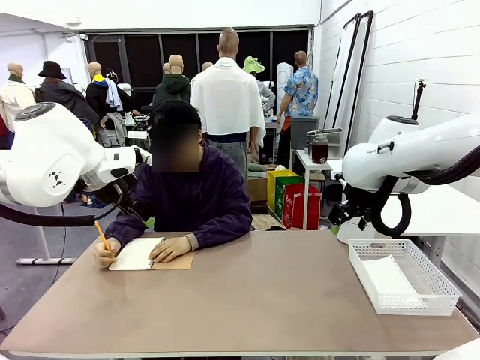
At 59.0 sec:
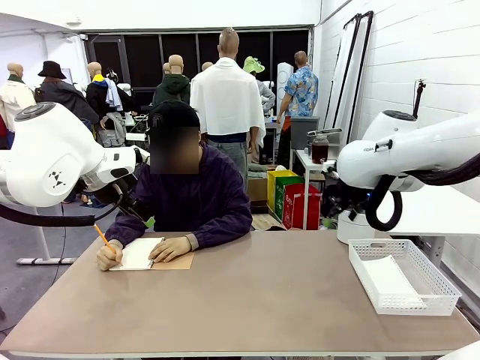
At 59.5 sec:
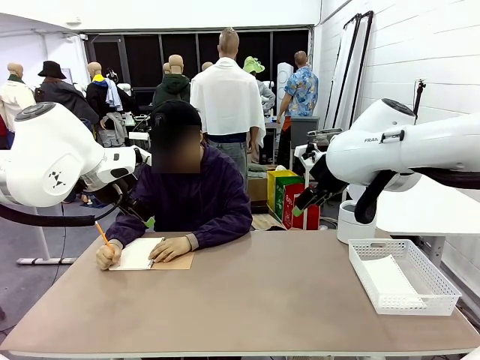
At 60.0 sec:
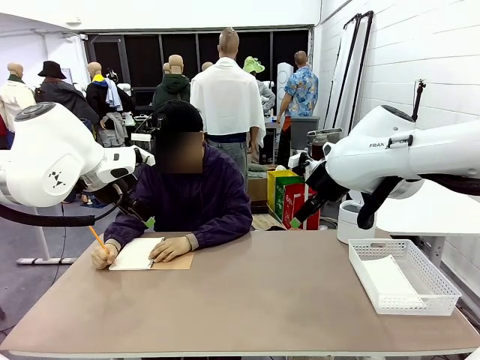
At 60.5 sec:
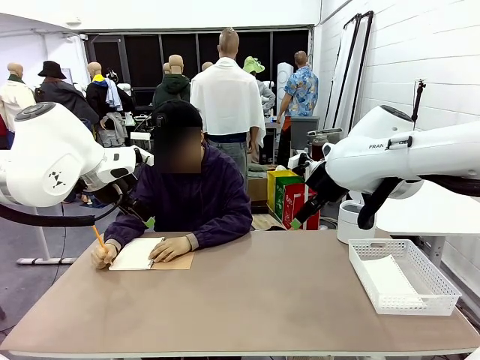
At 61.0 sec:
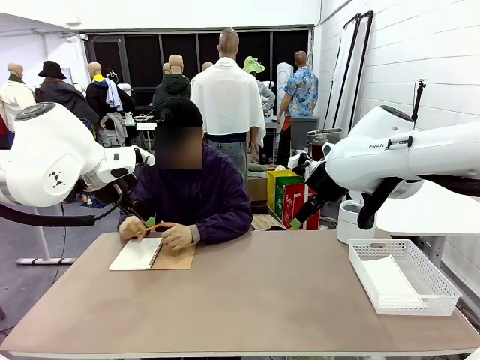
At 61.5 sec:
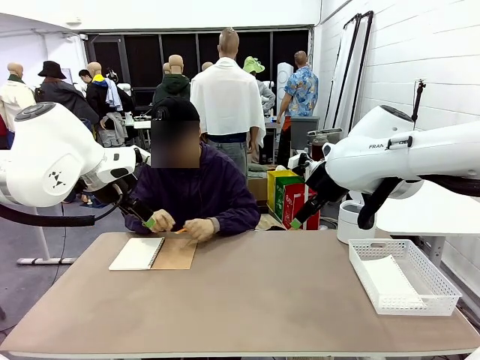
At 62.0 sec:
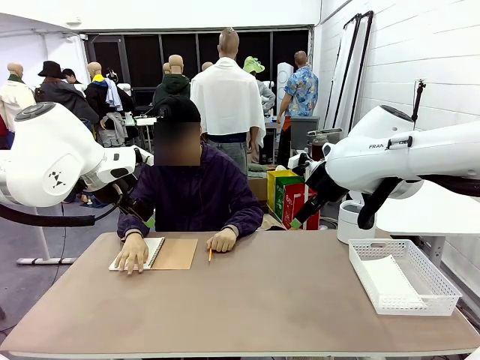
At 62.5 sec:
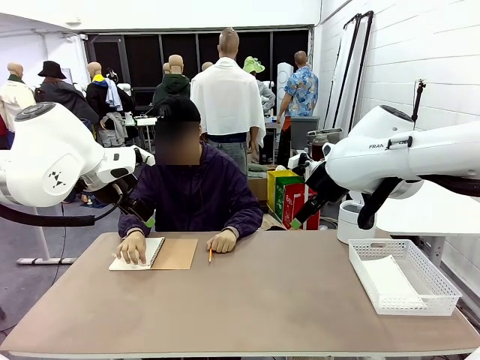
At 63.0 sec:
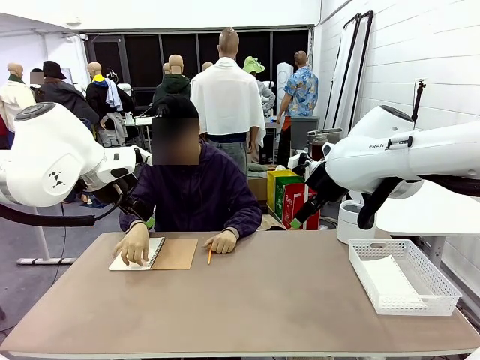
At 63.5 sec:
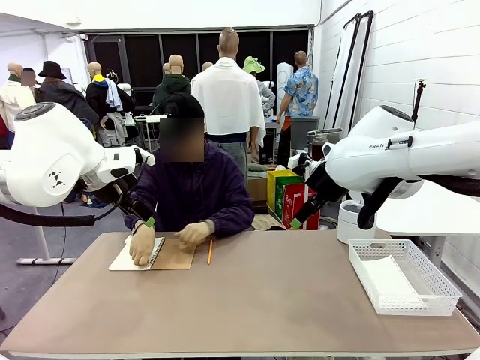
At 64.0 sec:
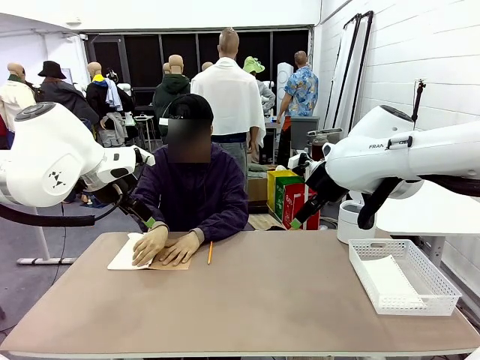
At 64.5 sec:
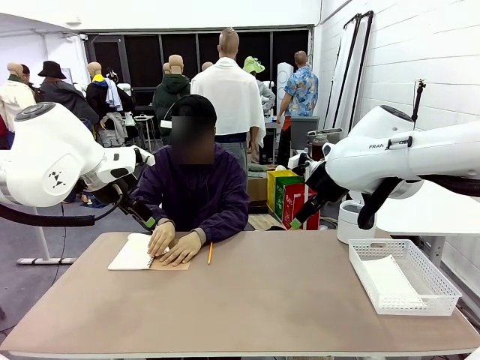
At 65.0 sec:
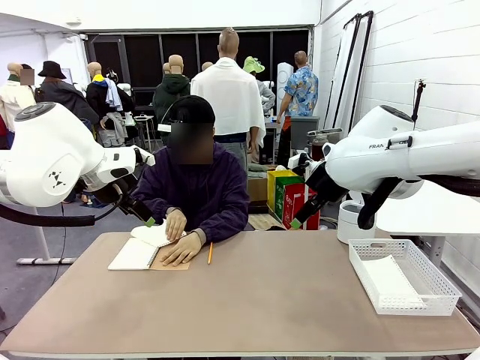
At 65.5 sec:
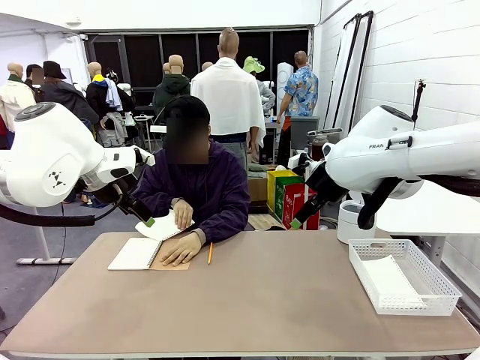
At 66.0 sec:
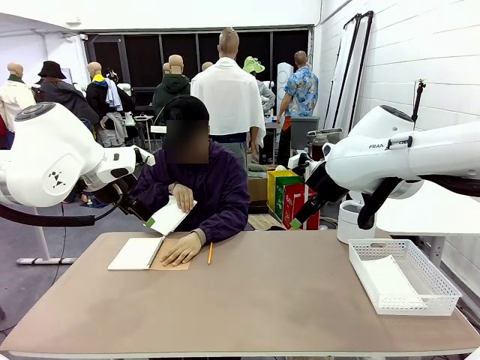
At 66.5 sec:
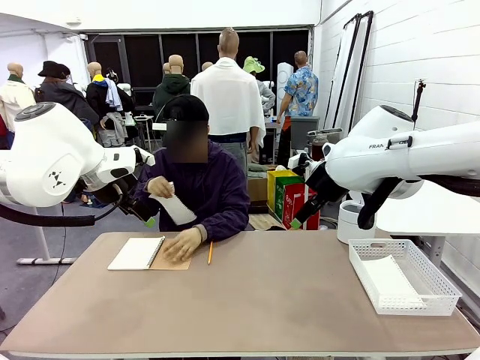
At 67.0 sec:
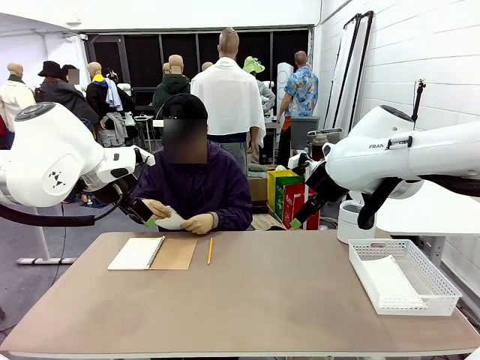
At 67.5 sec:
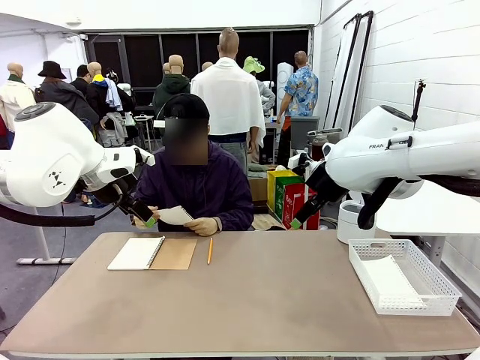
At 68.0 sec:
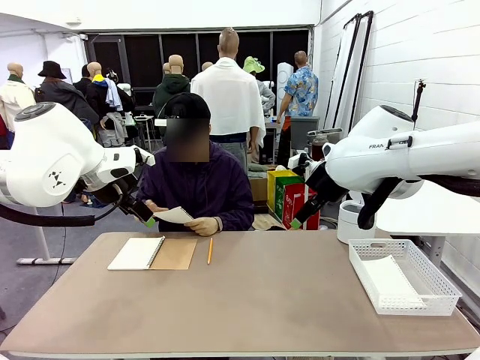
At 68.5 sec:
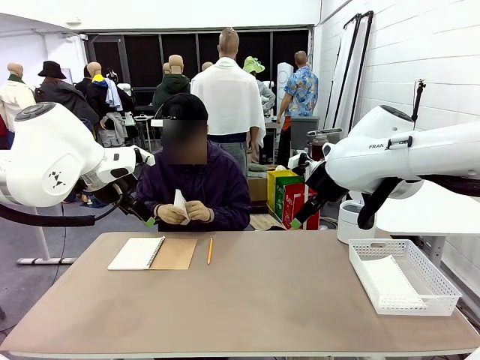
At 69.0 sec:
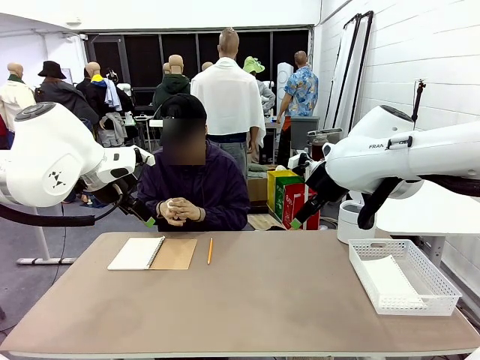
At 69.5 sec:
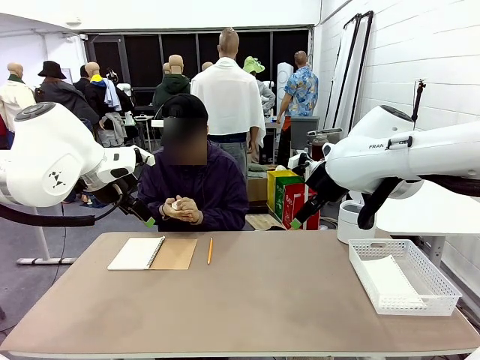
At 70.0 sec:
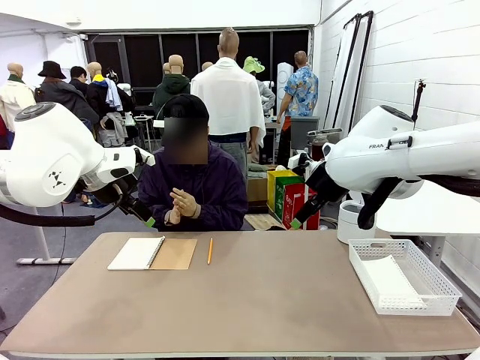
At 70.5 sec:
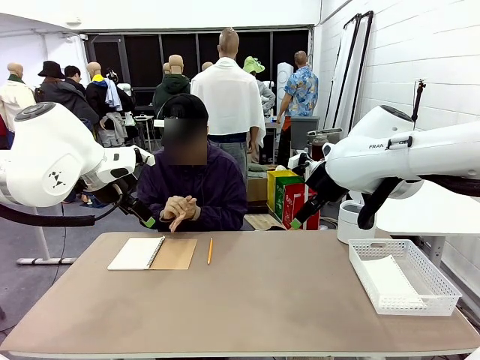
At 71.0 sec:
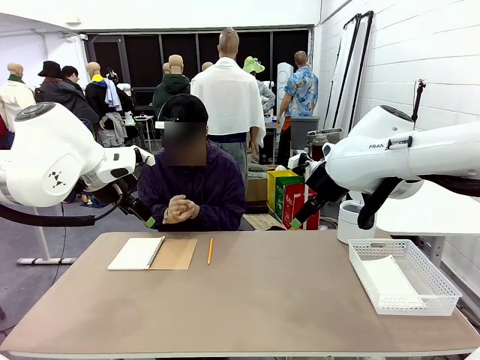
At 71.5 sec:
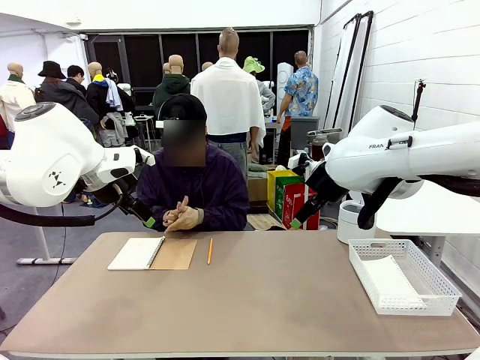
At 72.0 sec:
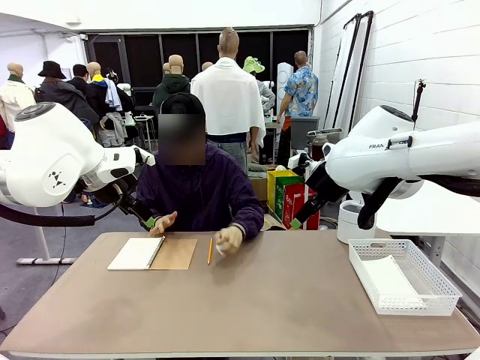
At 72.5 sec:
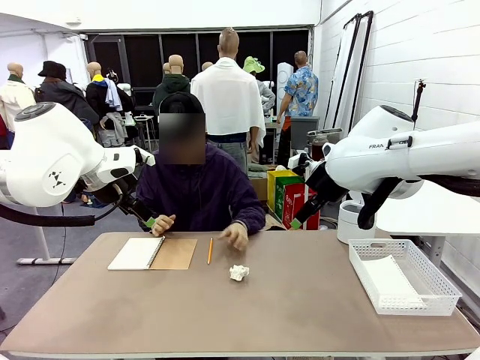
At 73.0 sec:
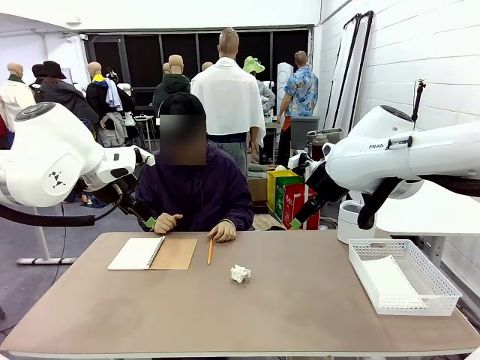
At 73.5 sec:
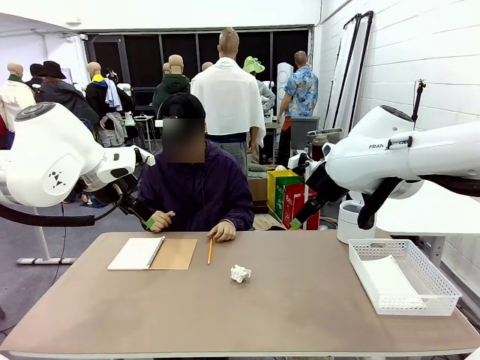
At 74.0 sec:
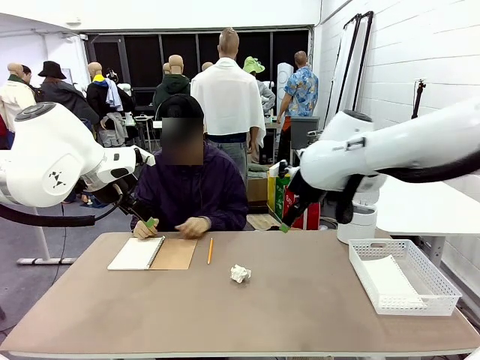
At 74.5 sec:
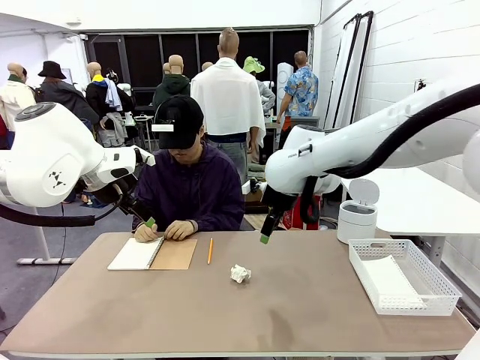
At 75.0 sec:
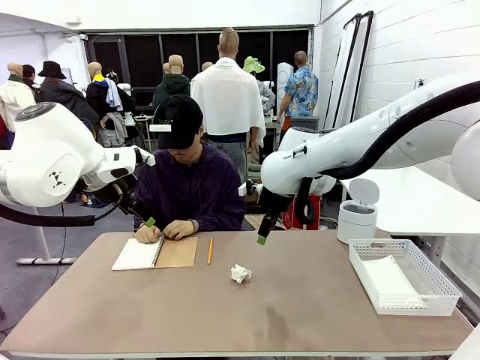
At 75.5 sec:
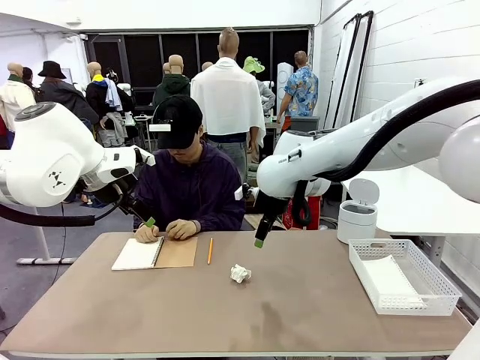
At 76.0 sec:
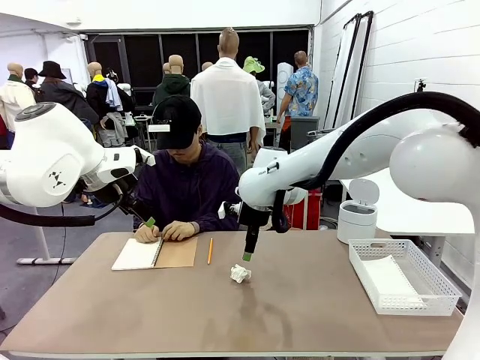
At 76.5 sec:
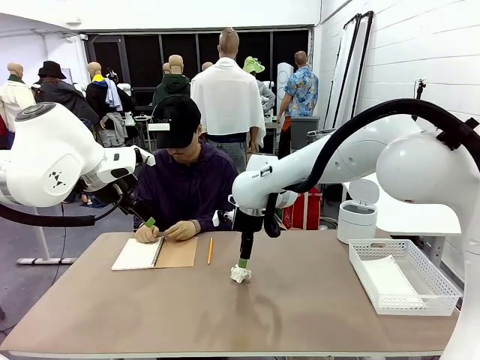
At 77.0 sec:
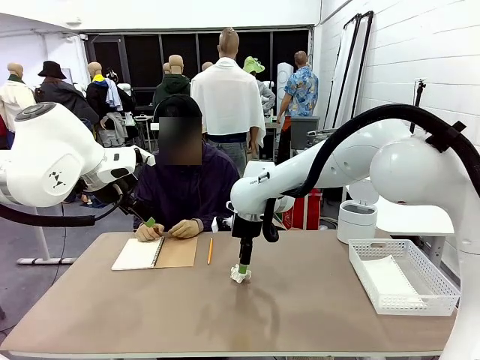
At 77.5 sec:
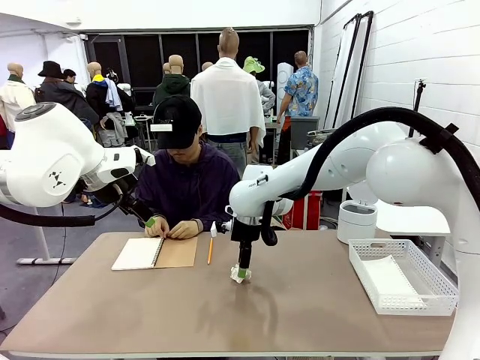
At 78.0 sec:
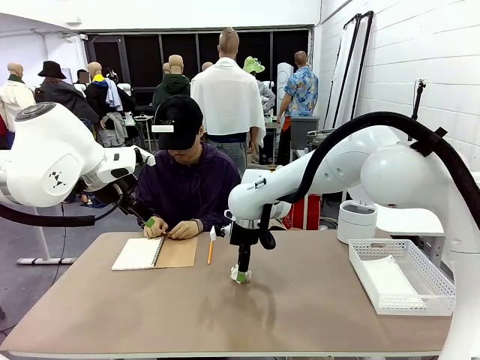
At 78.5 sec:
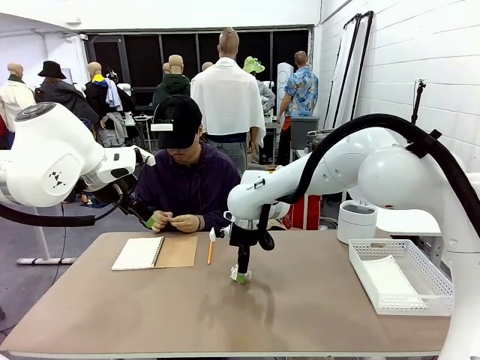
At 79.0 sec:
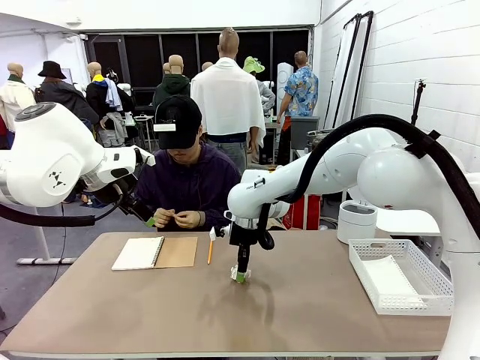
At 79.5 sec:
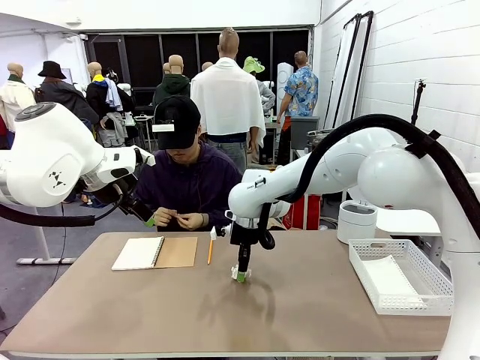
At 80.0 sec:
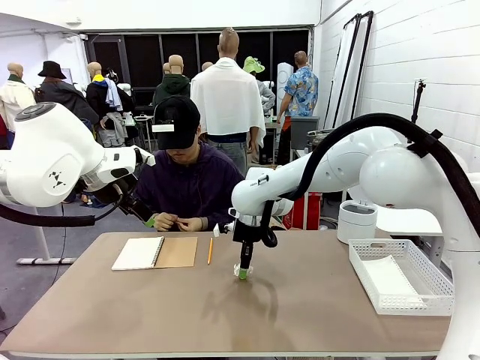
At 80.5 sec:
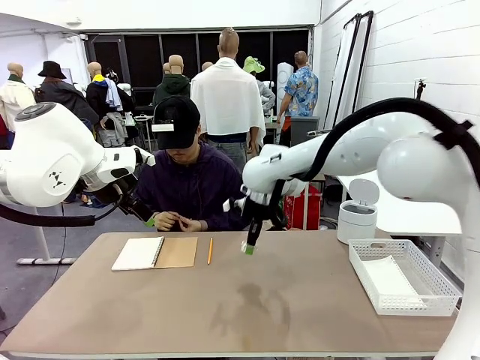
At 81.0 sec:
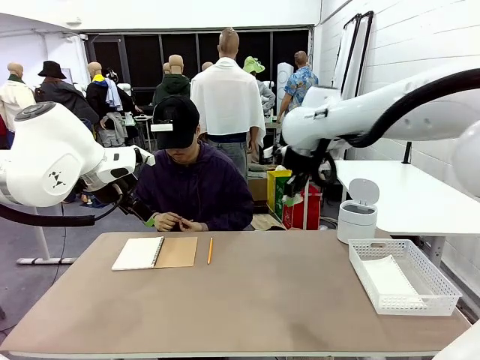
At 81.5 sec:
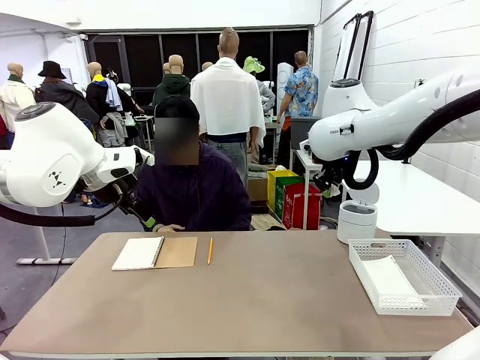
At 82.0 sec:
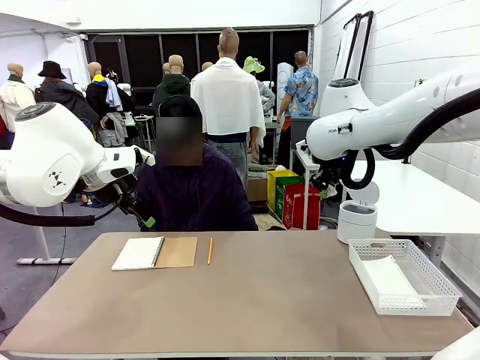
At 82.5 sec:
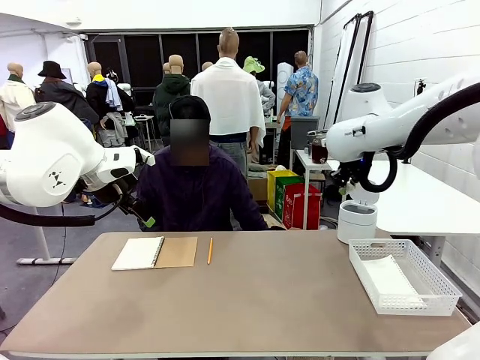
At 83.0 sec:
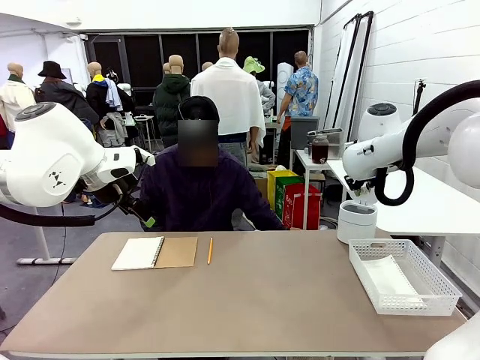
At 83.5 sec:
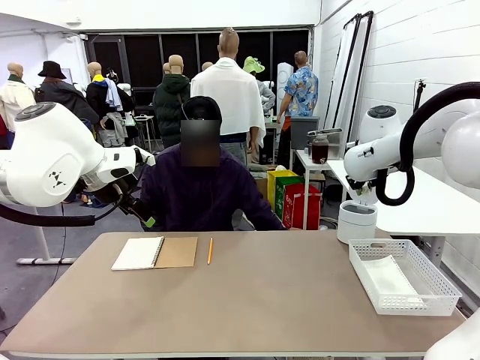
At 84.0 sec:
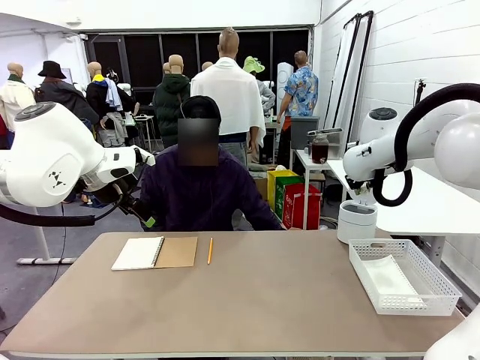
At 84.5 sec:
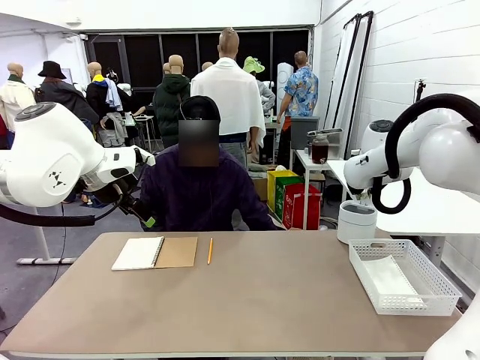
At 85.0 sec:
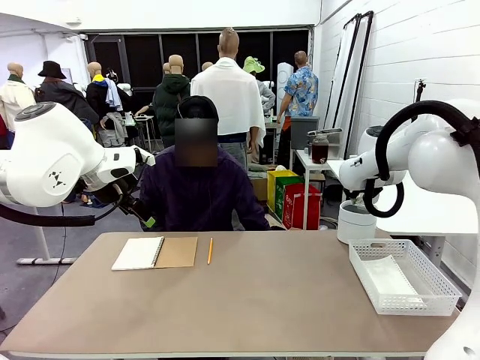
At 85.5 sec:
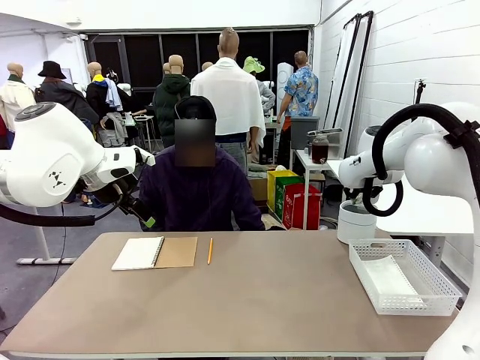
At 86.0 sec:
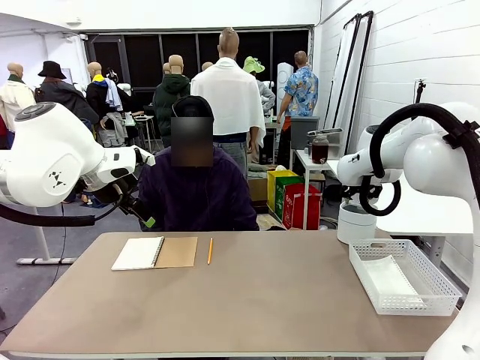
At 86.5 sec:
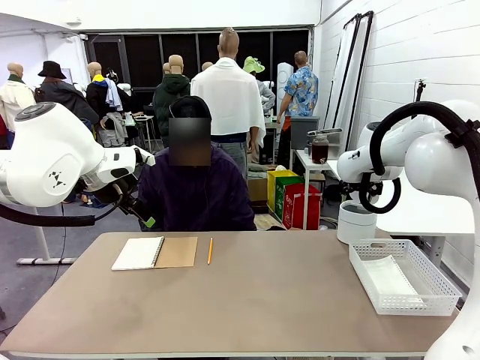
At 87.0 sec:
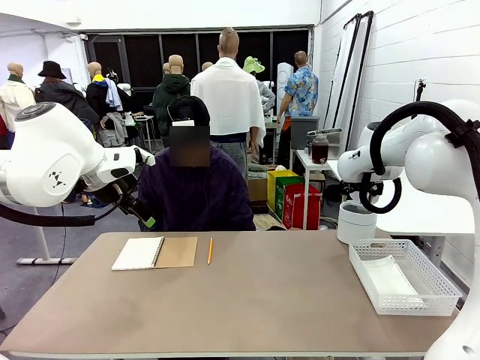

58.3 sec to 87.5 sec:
Task: Sort the paper based on its condition.
Robot: If a person hands you a paper, place it in the Organizing basket , and if it's crumpled, put it in the Trash can.
Person: Hand the torn page to the robot or crumple it and throw it to the center of the table.
